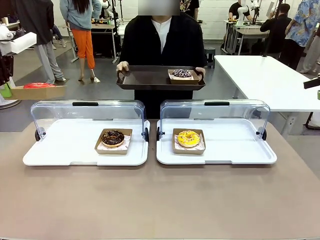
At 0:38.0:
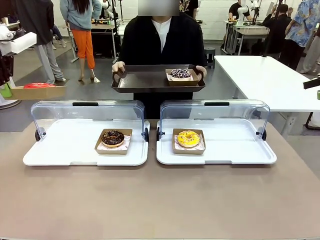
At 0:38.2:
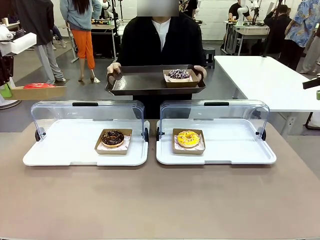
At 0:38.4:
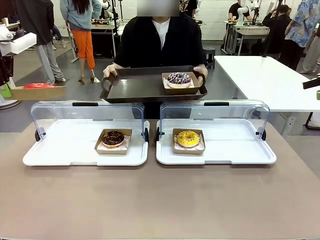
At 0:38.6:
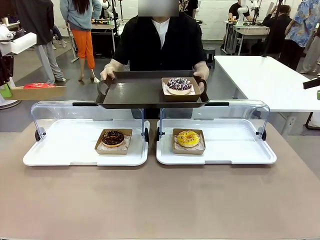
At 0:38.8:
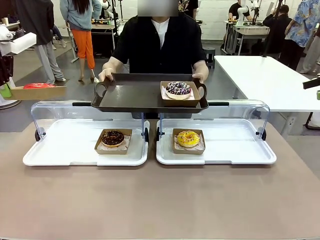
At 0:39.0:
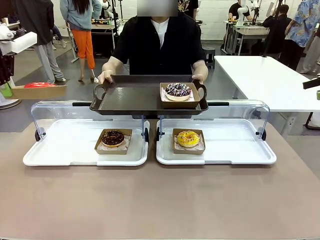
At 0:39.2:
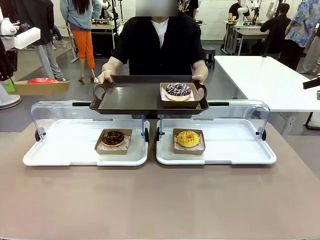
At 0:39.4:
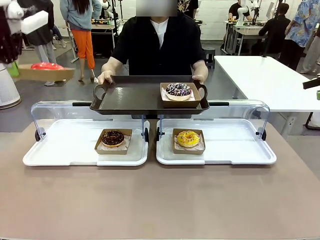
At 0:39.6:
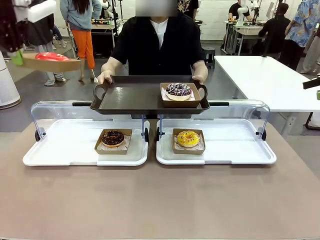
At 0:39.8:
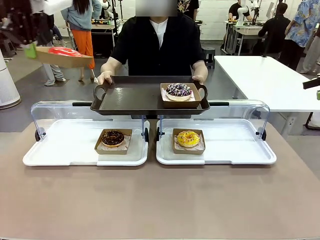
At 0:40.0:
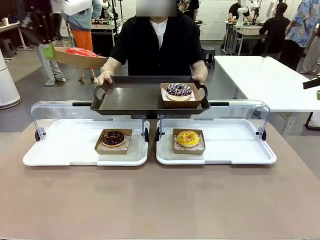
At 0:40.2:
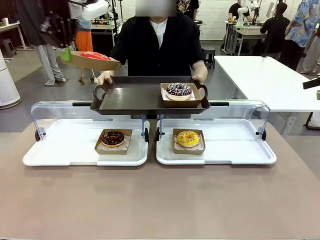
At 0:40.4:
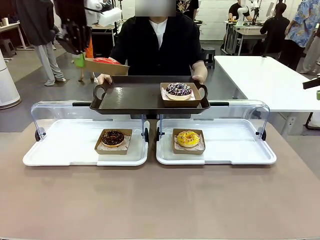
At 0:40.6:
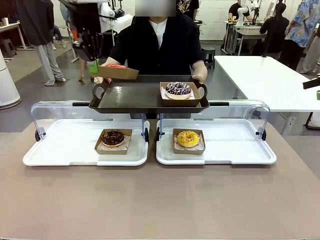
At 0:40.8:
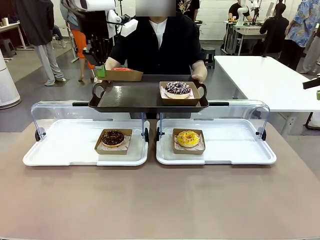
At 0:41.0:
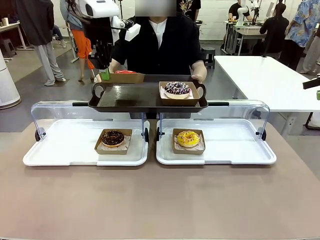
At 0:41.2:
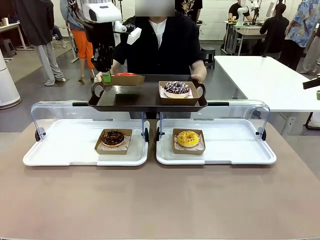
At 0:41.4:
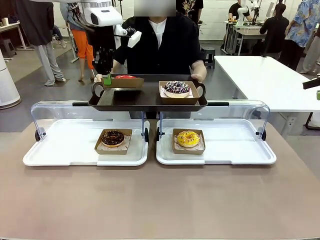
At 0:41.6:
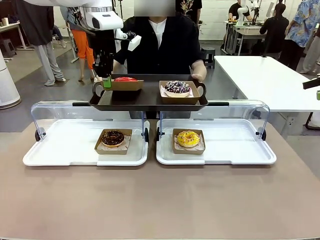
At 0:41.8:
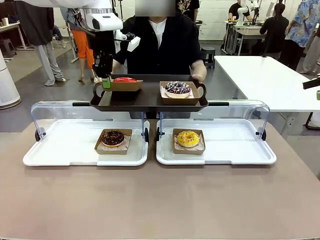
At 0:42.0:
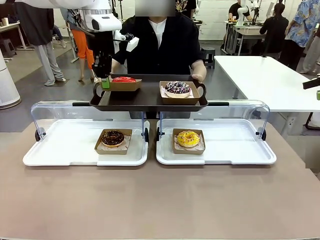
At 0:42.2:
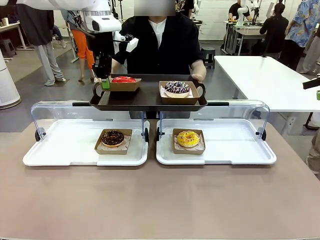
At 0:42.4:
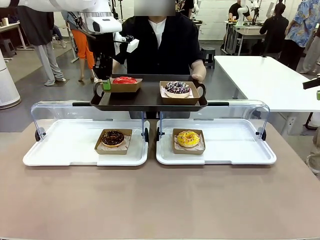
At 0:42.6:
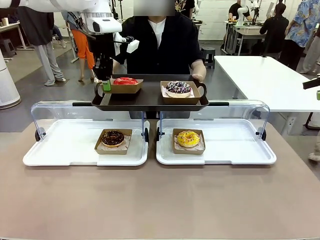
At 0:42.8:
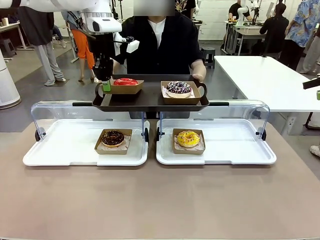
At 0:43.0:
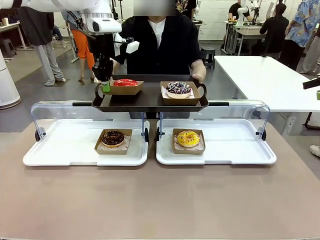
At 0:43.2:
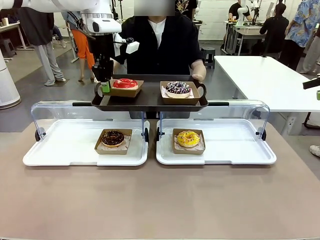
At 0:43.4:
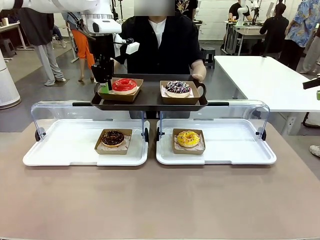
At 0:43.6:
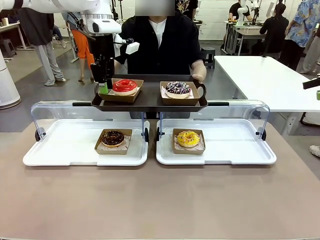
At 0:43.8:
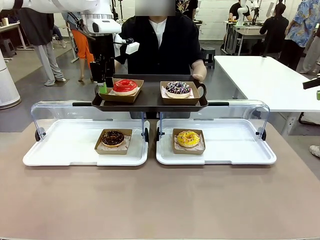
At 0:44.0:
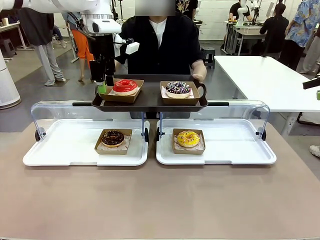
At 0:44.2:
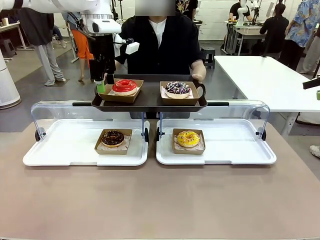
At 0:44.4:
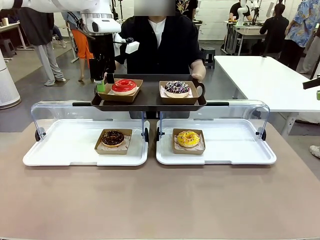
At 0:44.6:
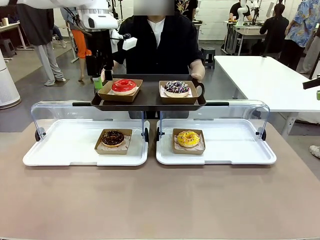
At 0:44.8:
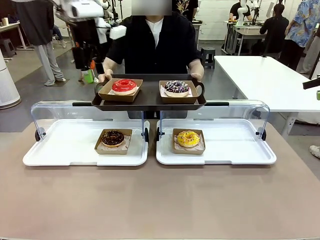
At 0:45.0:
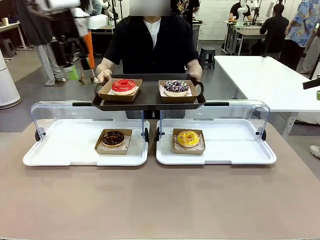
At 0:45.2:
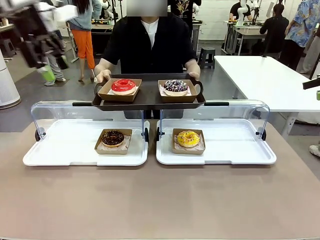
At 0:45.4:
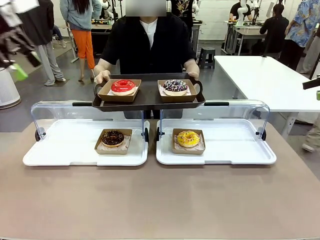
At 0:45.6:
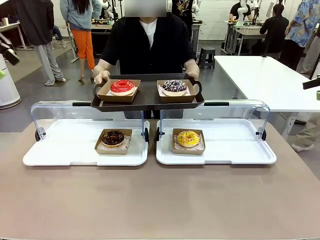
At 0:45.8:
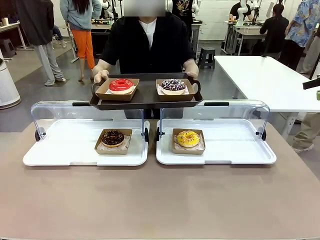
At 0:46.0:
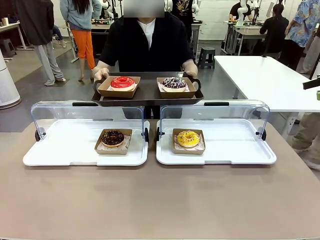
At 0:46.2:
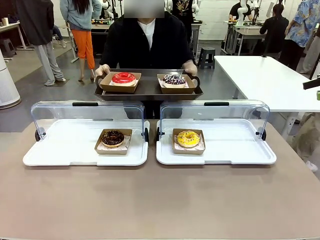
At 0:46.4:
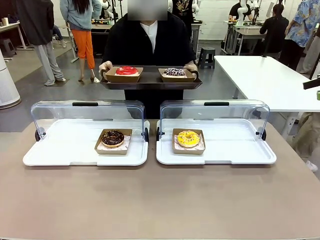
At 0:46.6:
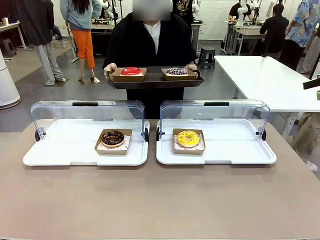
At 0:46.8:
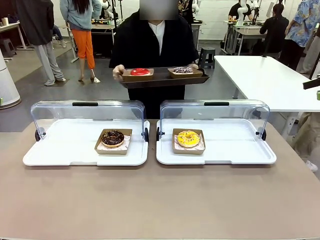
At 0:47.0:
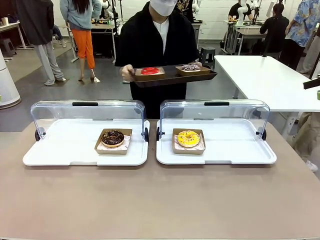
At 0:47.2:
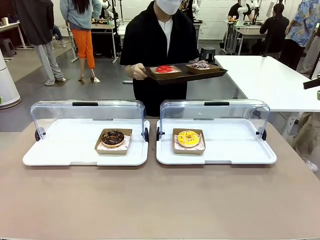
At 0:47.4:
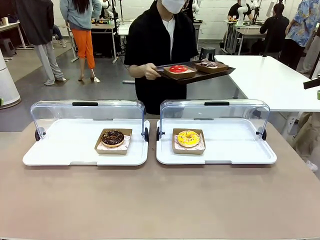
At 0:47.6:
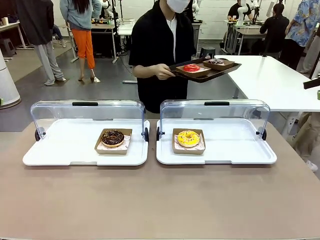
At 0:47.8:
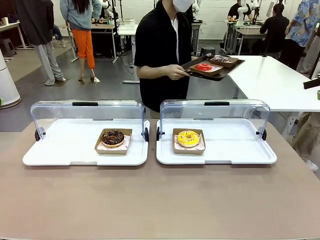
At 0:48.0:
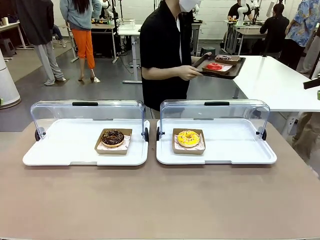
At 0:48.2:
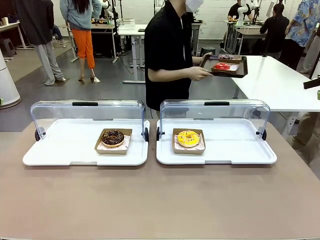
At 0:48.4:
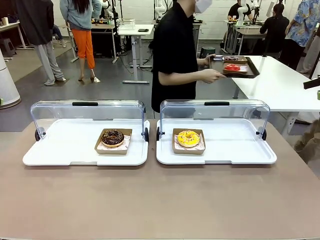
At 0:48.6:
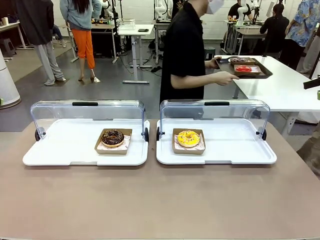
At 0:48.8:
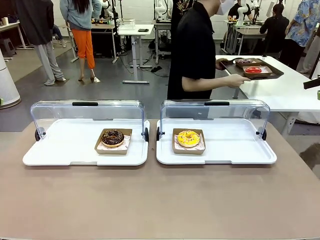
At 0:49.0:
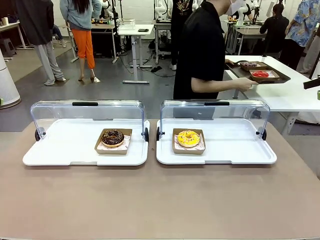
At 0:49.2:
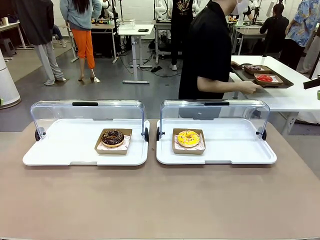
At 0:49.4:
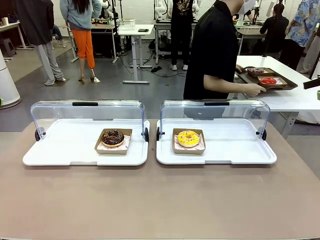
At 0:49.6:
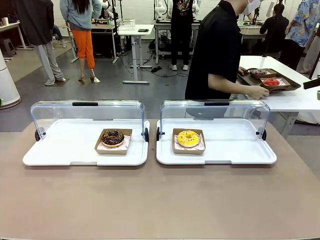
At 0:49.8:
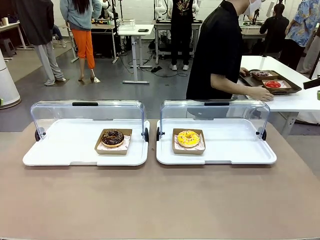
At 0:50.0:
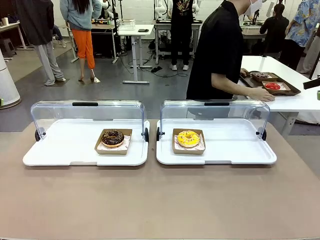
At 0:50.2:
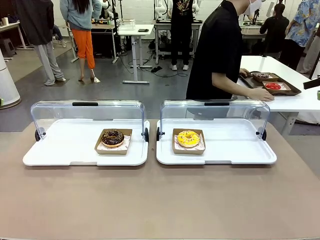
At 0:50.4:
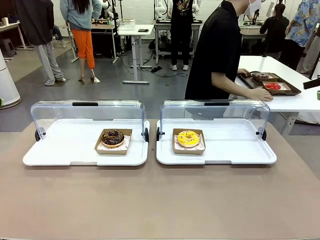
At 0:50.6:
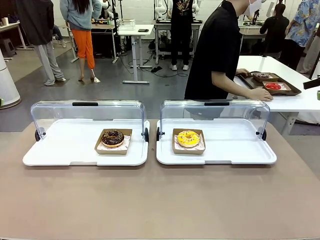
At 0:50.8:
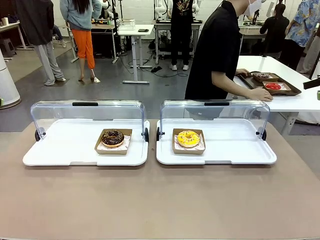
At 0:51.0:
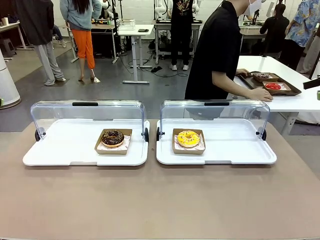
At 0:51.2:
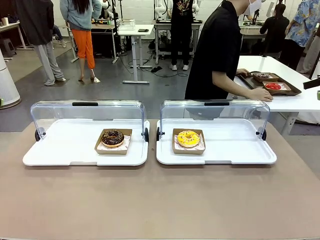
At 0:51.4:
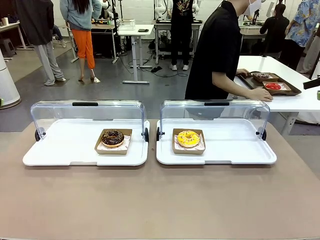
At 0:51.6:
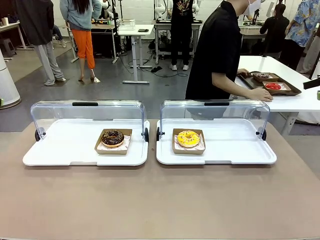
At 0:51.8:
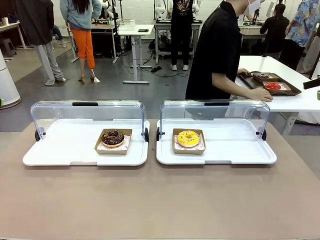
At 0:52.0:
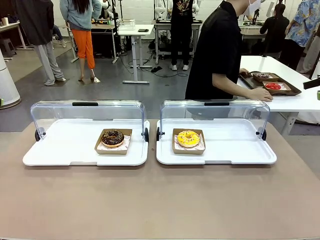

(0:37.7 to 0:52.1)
Task: Provide the desired donut to the person.
Robot: Place the picked Paper togo box onto the Handle tray extended by the person.
Person: Lift the tray onto the Roll-Top Bakery Case. Place the tray in the middle of the human table.
